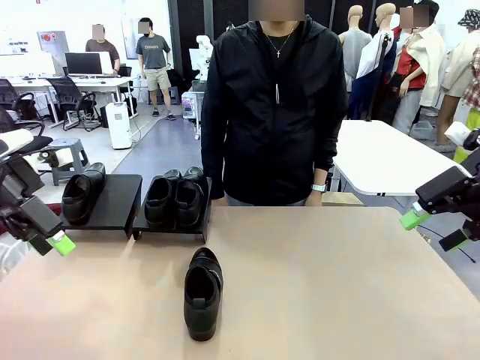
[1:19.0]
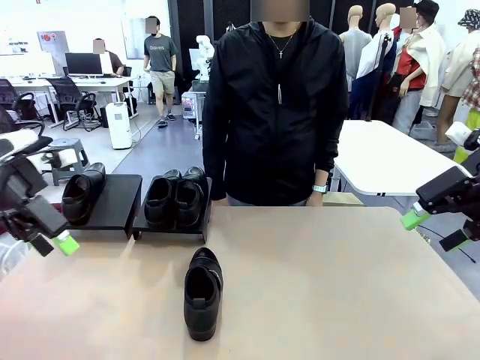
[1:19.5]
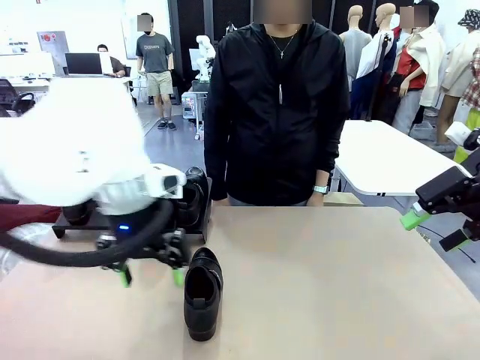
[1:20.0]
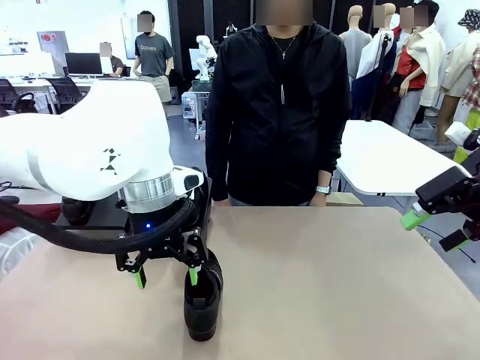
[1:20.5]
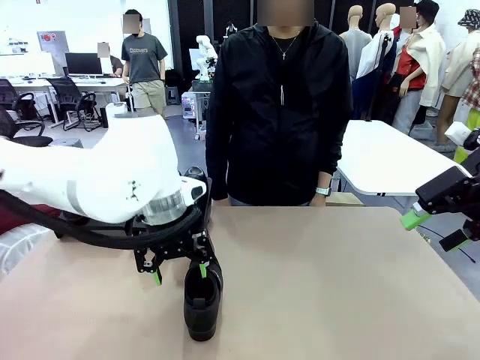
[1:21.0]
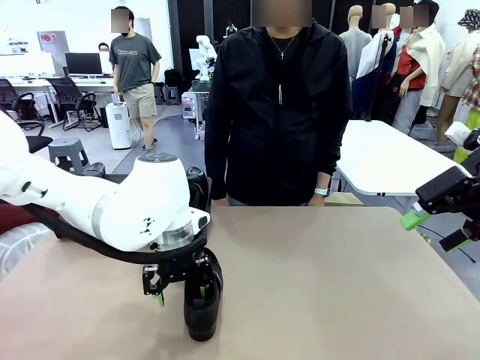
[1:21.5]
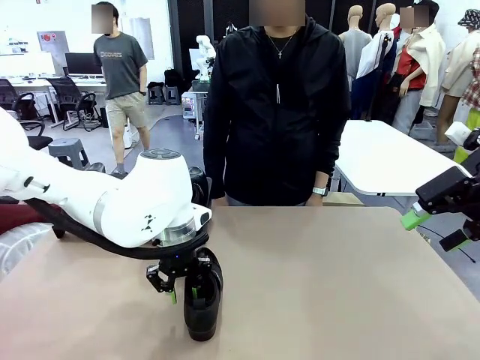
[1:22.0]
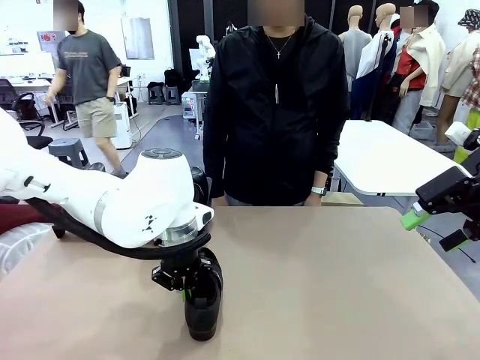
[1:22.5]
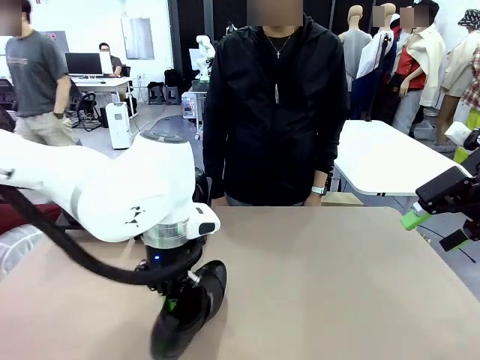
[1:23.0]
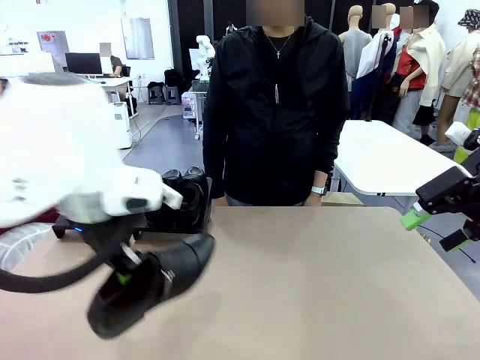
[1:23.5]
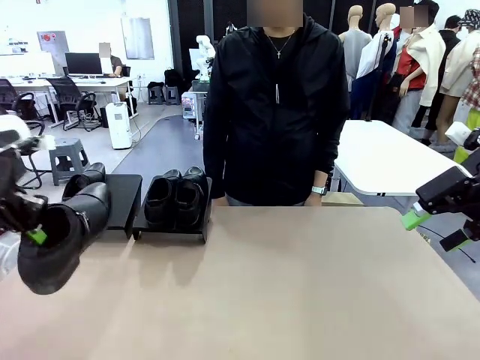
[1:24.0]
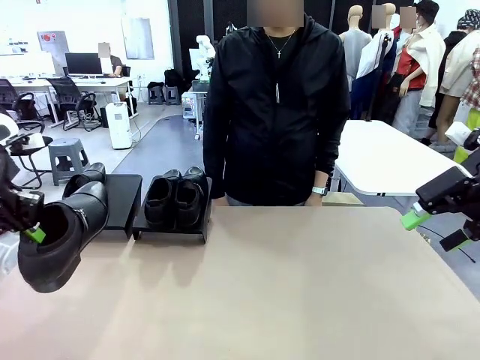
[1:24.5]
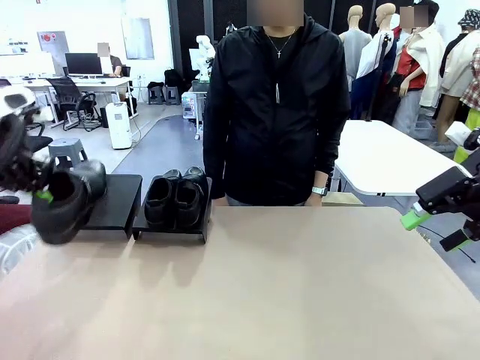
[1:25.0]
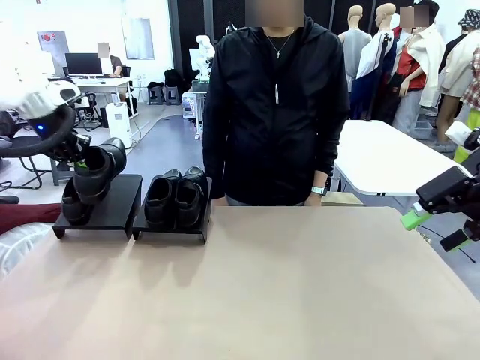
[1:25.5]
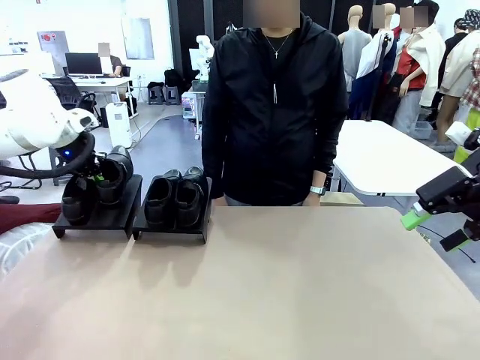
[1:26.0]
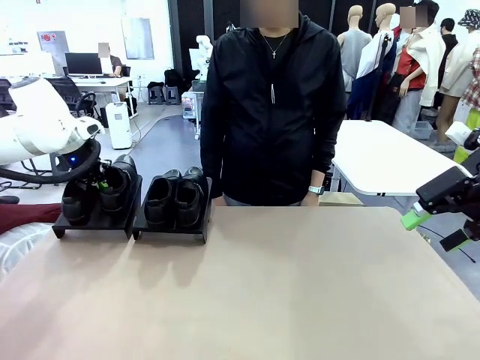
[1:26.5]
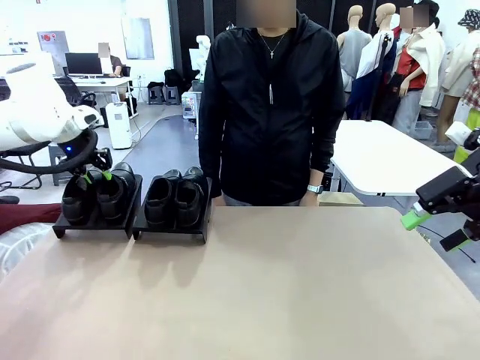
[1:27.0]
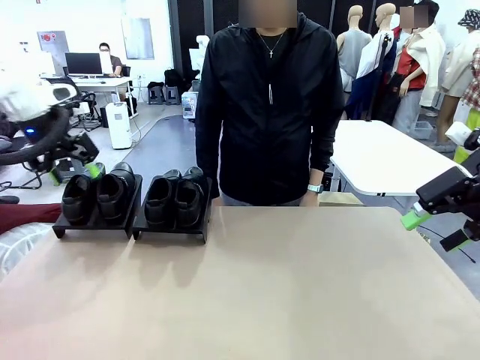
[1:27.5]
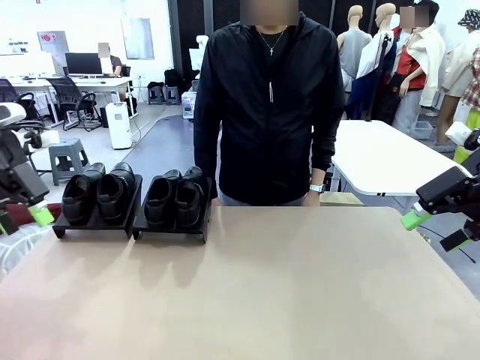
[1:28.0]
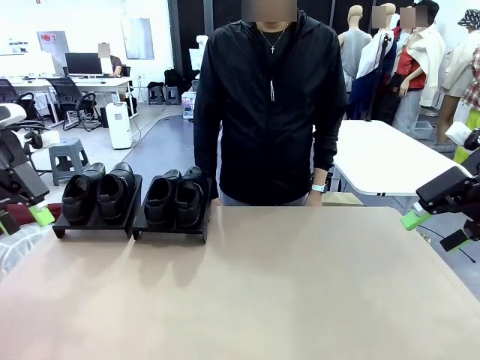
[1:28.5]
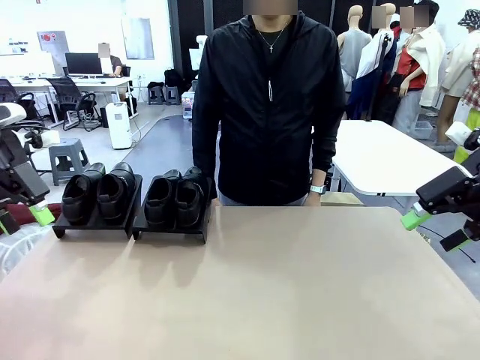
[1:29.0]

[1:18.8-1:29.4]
Task: Organize the shoes by placing them on the stand.
Robot: Place the Shoe from the middle of the table onto the Shoes Stand.

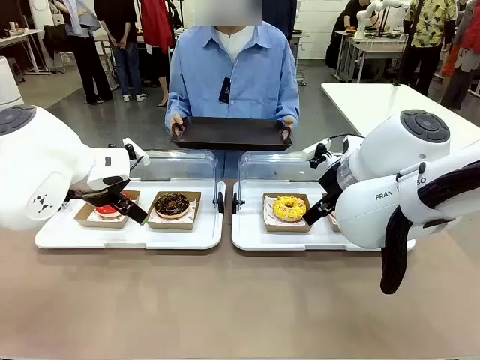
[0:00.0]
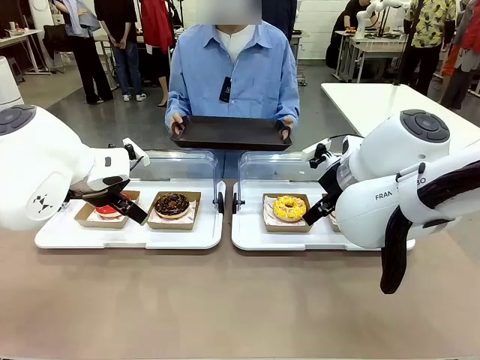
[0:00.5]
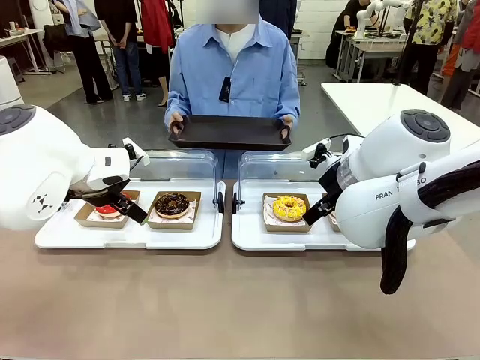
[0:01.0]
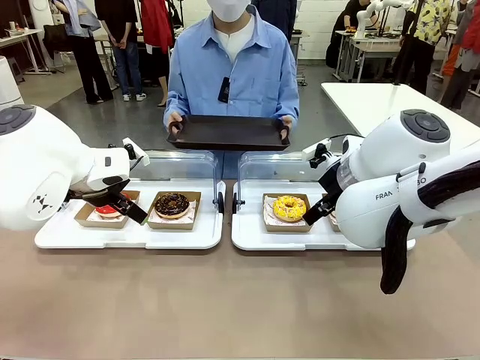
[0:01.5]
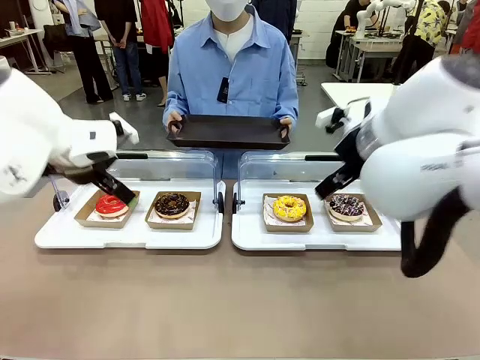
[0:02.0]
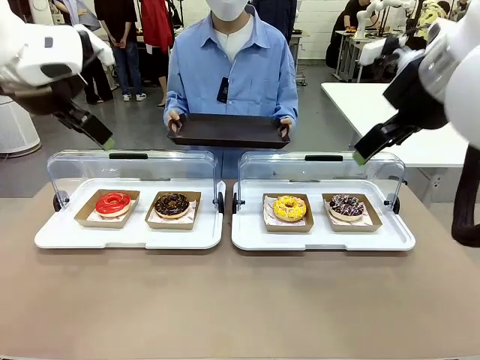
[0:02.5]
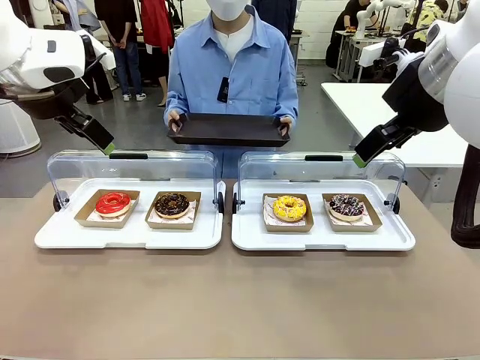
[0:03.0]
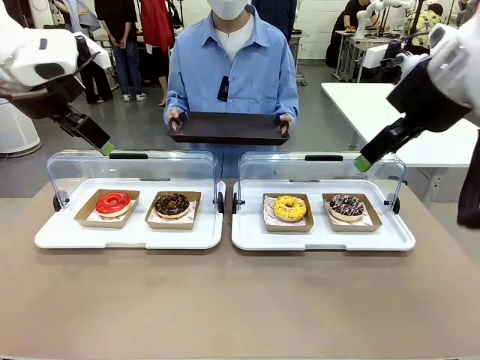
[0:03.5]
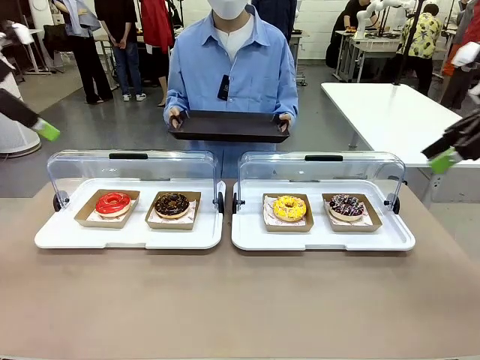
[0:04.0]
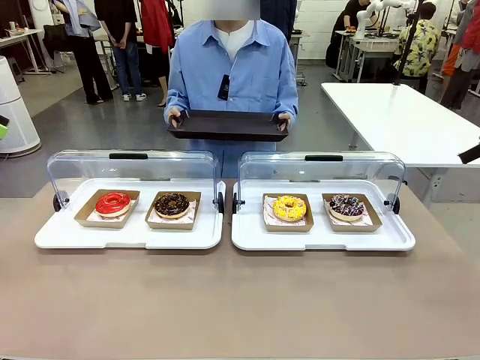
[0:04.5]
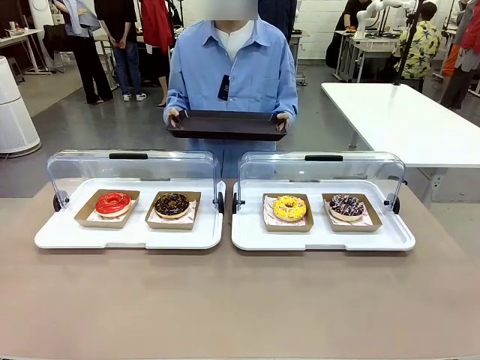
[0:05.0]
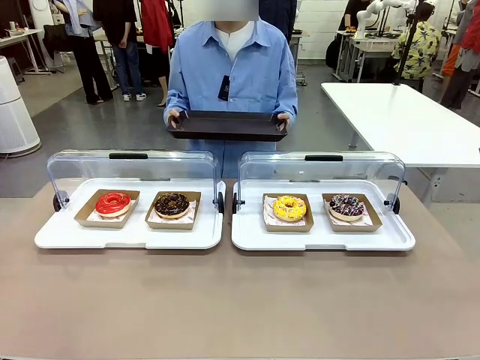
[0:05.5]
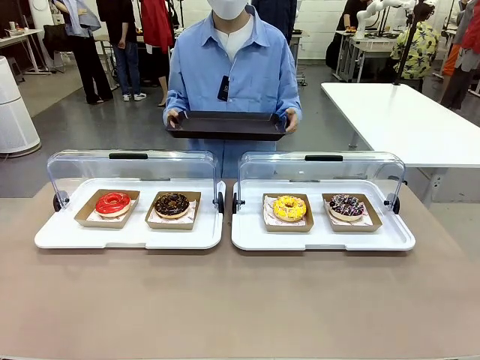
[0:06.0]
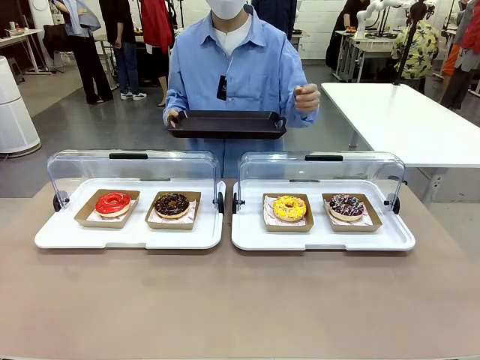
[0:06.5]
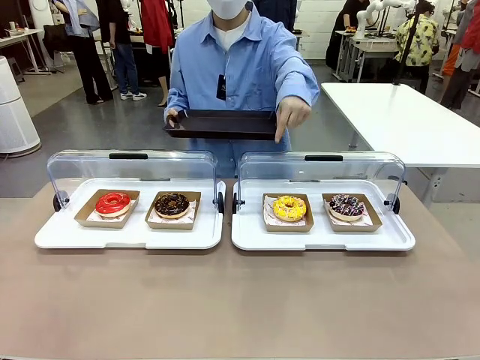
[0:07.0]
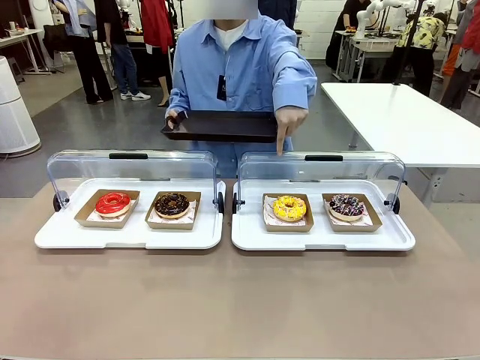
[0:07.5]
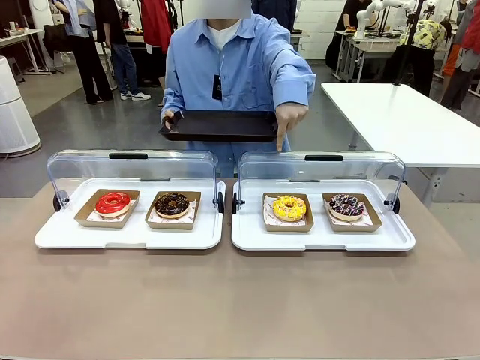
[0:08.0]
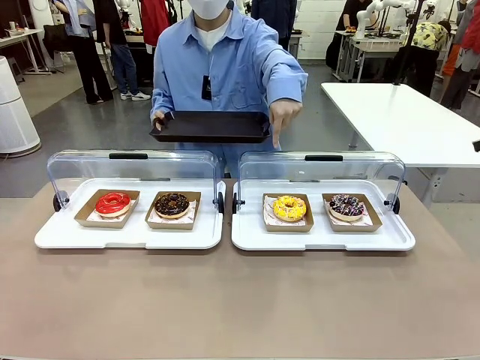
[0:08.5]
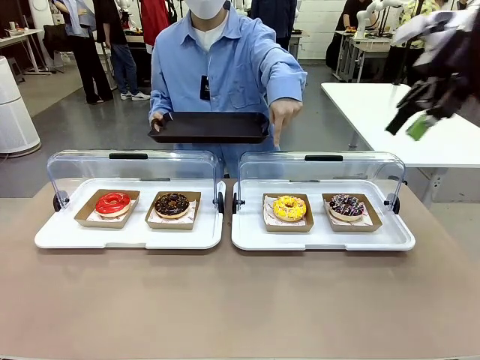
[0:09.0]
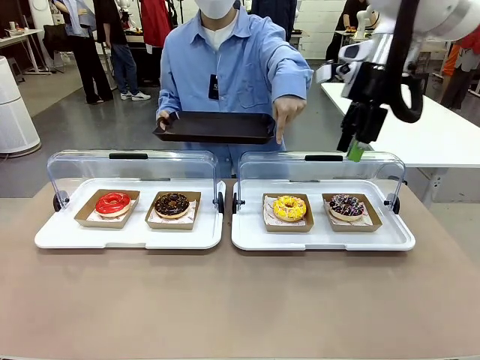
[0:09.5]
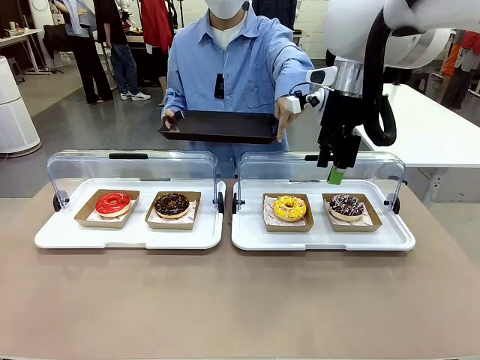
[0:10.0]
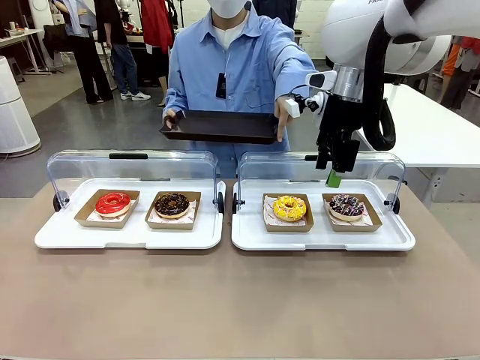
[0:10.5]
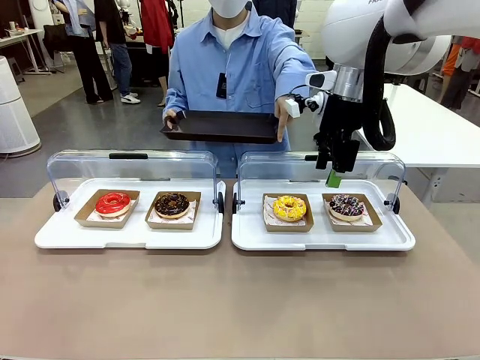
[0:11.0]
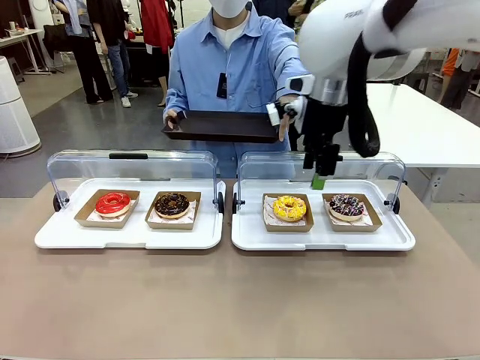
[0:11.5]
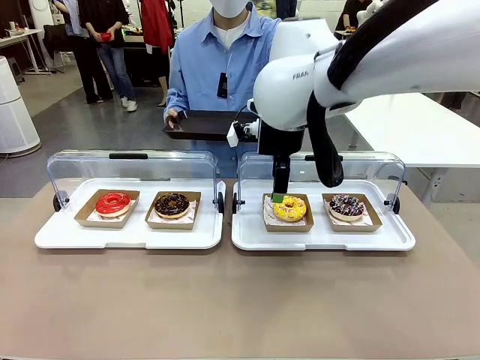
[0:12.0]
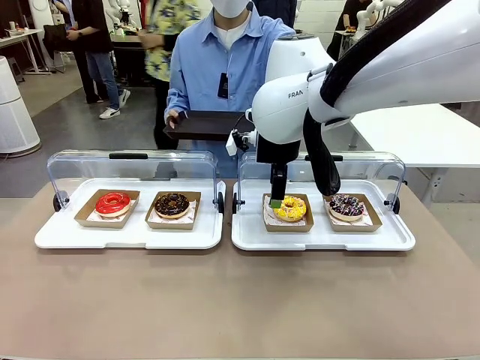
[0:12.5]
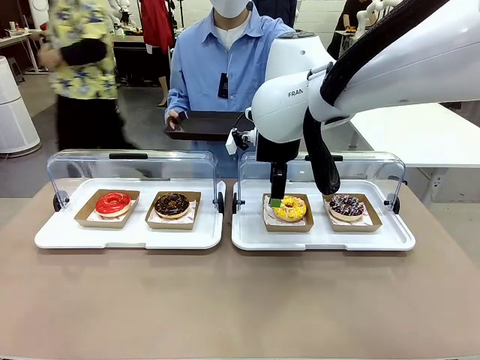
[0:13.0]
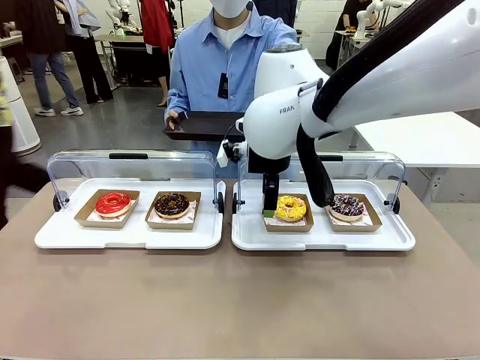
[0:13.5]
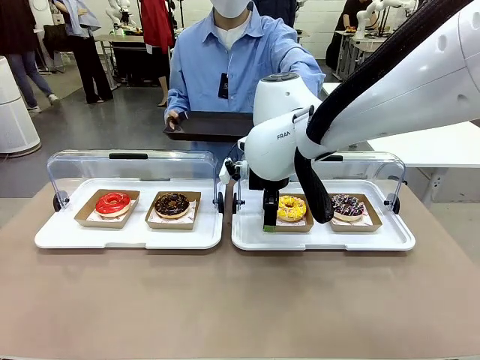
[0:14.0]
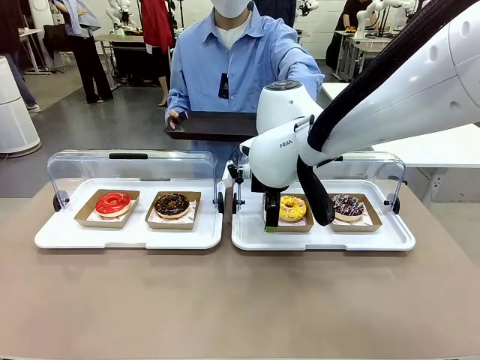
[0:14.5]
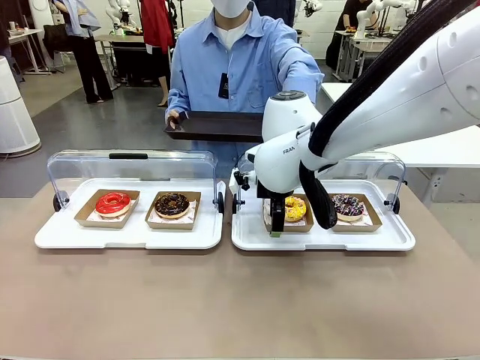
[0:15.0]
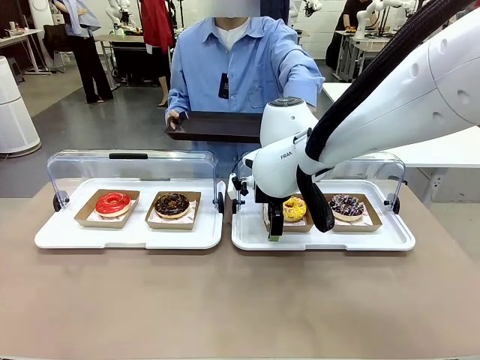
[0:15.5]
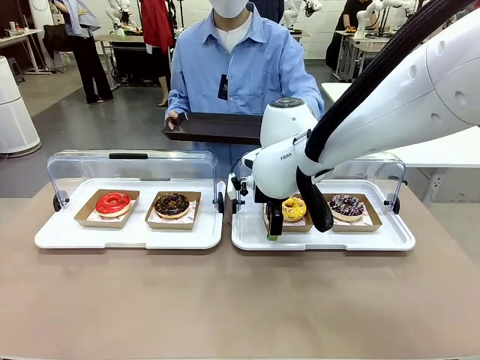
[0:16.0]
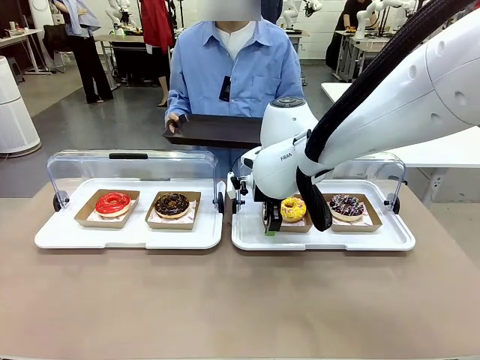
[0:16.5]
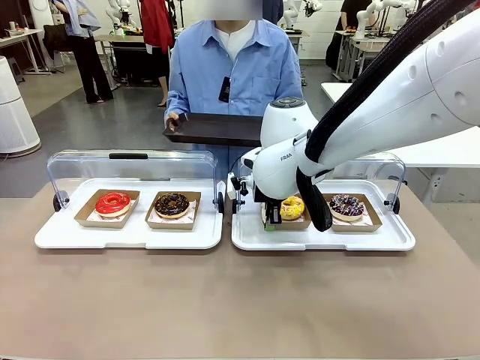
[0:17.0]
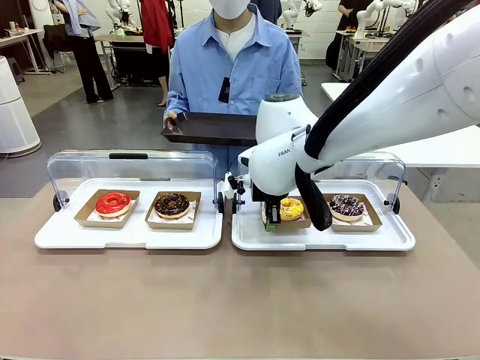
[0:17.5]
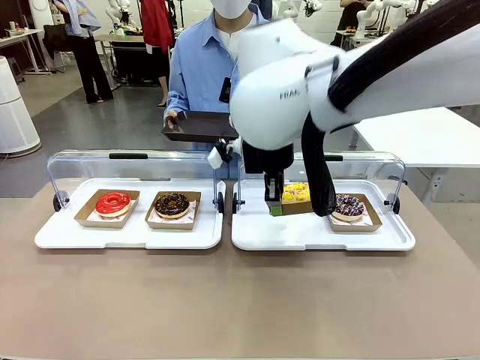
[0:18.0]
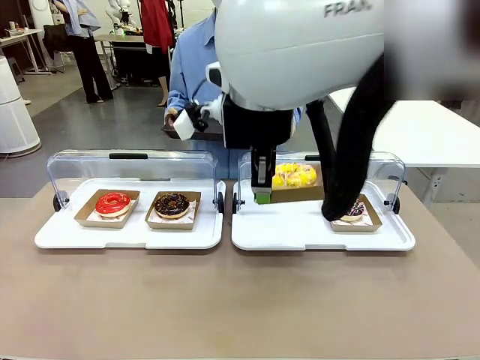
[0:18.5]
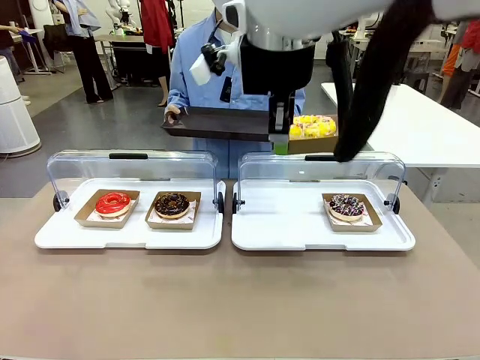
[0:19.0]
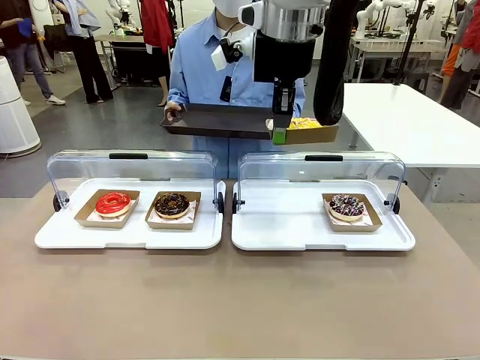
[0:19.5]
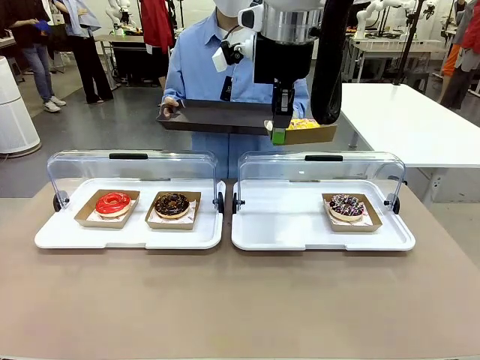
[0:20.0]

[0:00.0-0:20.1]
Task: Provide the desired donut to the person.
Robot: Pick up and lift the Paper togo box containing the Donut pointed at by the person.
Person: Point to one donut. Lift the tray onto the Roll-Top Bakery Case.
